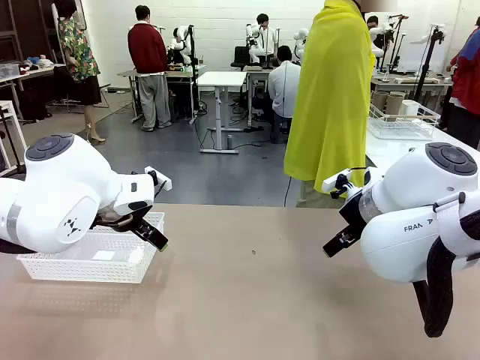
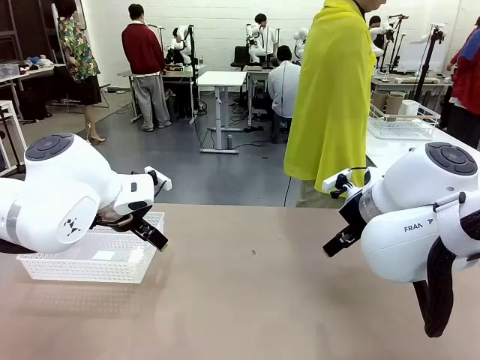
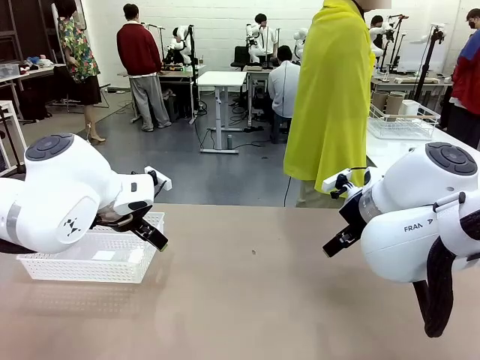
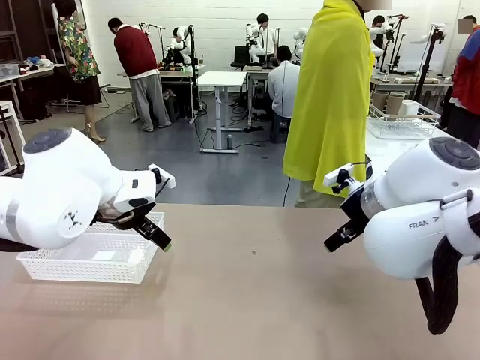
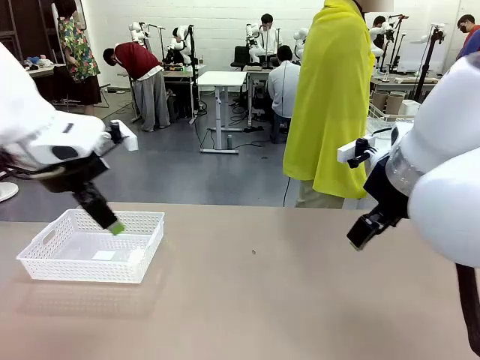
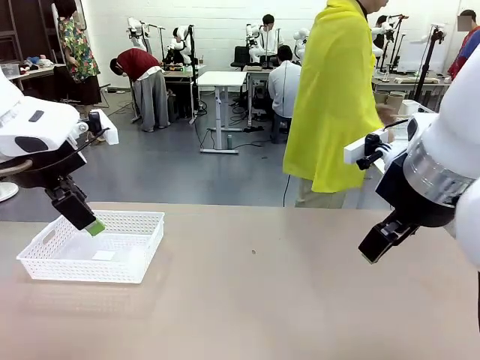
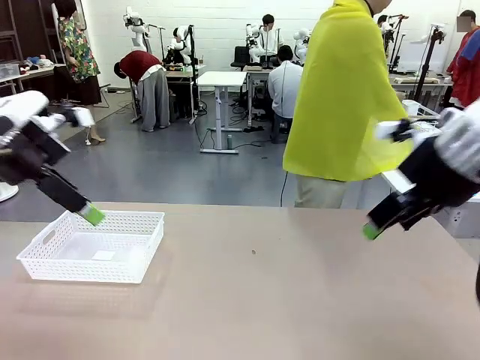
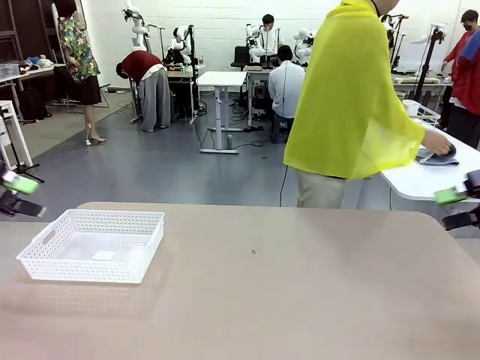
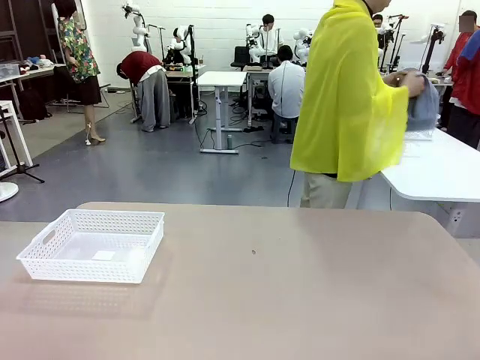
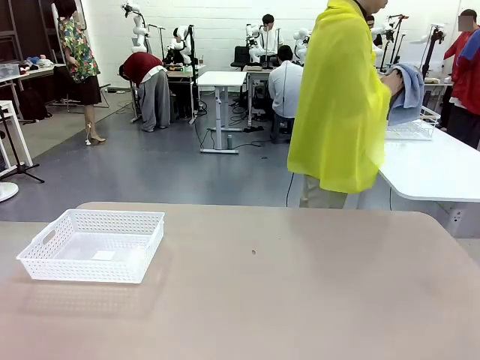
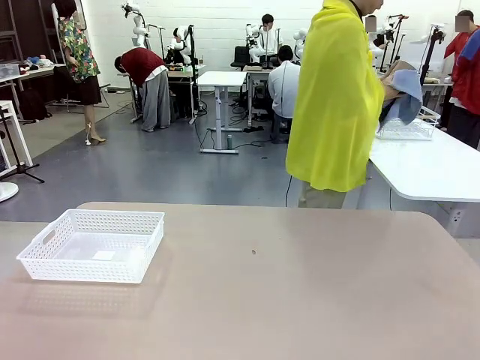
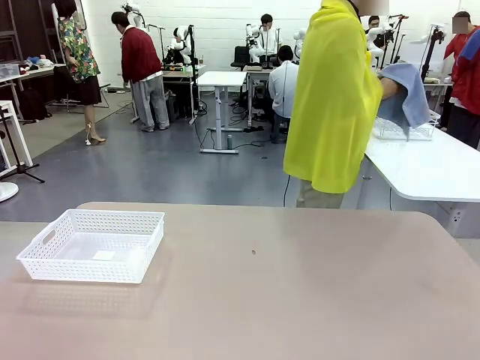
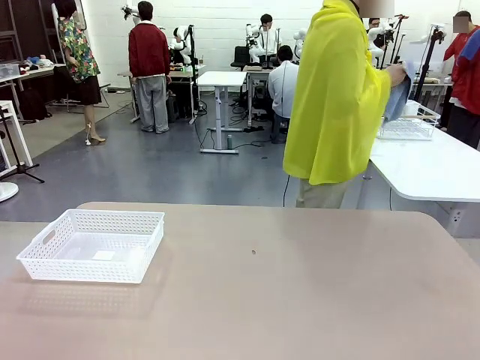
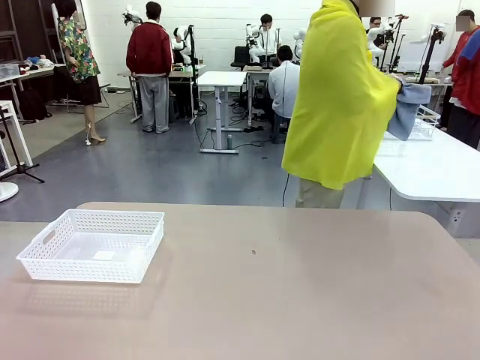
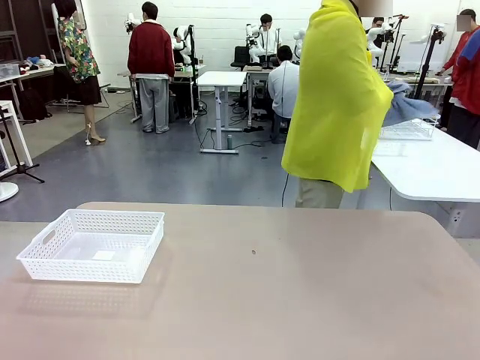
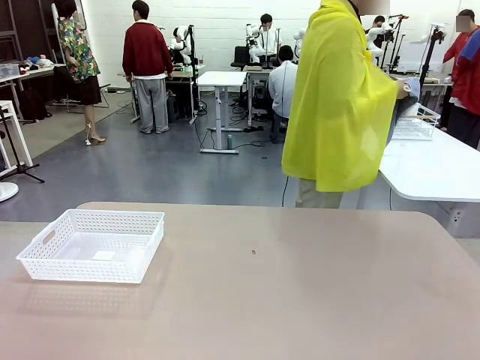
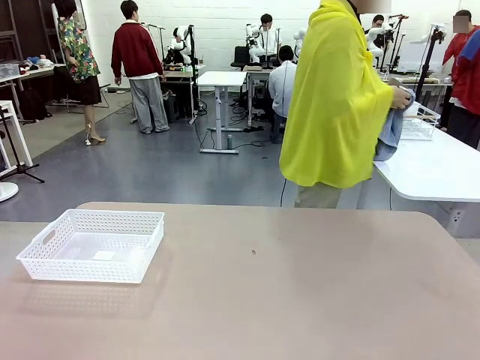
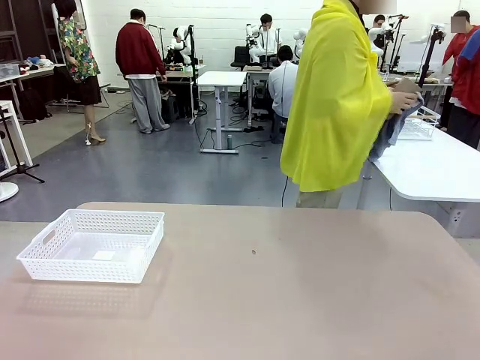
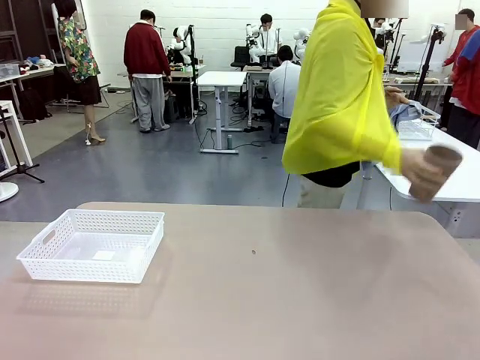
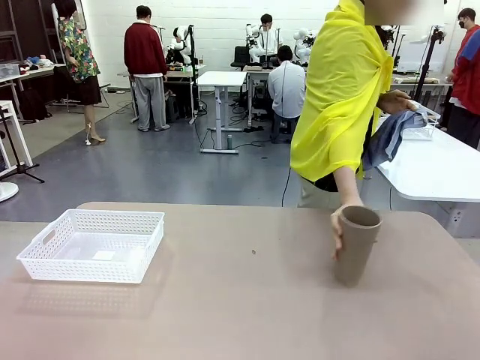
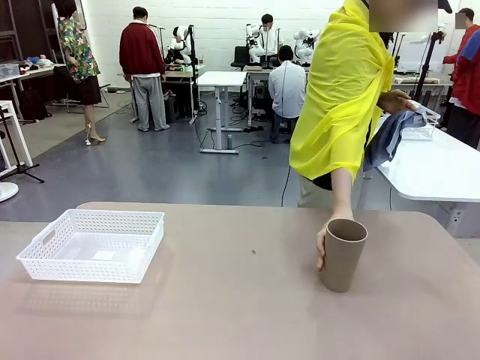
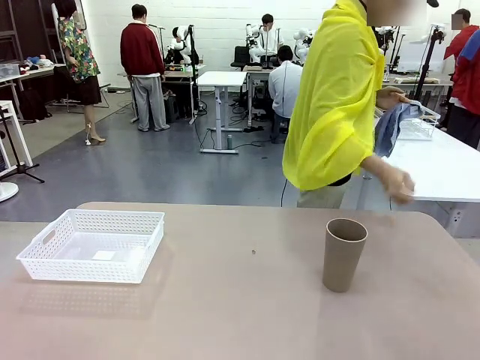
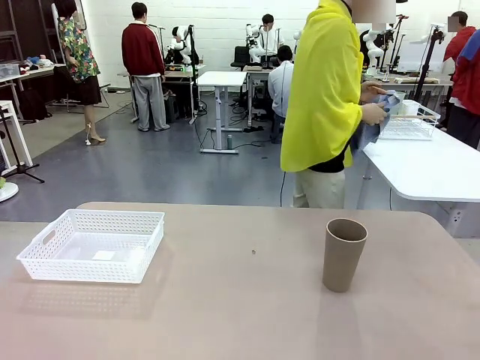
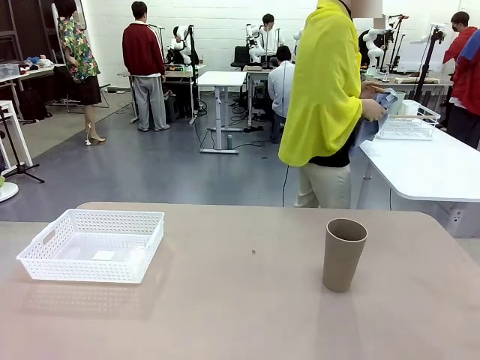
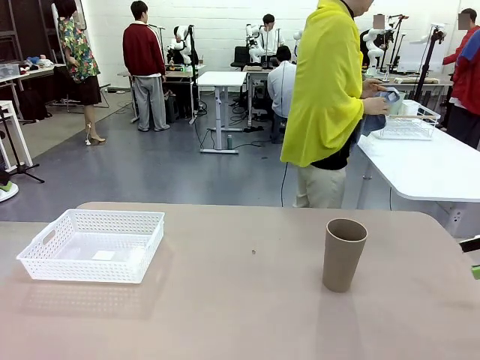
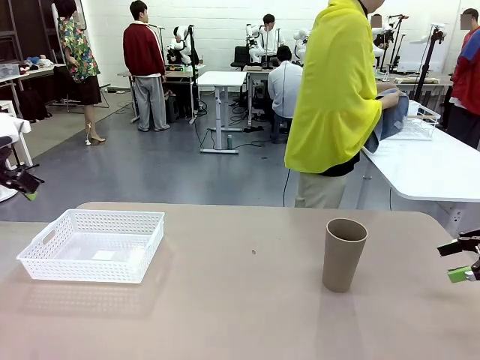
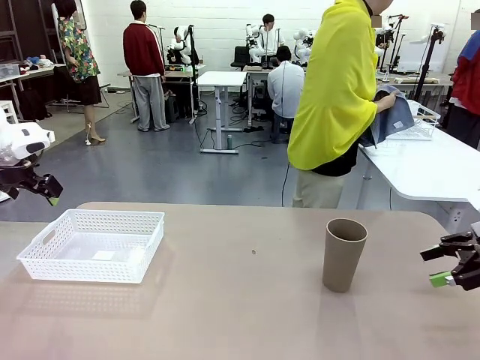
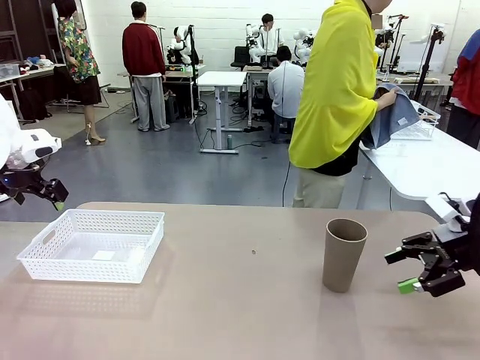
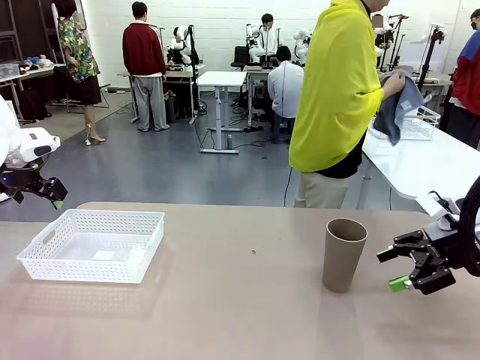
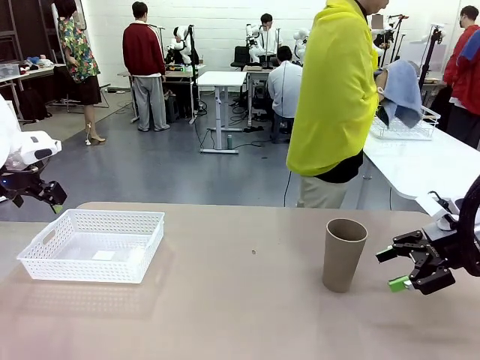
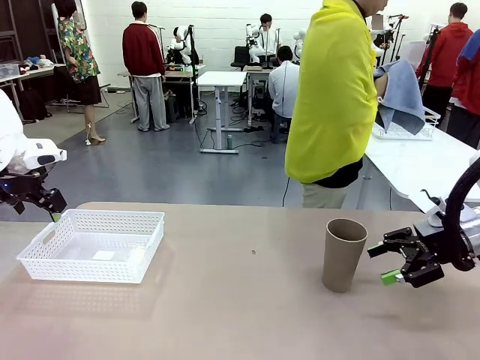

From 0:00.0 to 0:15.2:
Task: Clean and organize the cups into the basket.
Robot: Pick up the Organizing basket and move it to the center of the table, then pick up the Reusable plastic cup from the right side of the table and place it inside the Organizing basket.
Person: Picks up a cup and a towel, cleans the cup with the towel, and places it on the left side of the robot table.

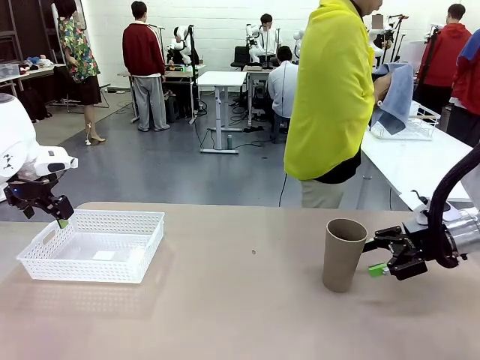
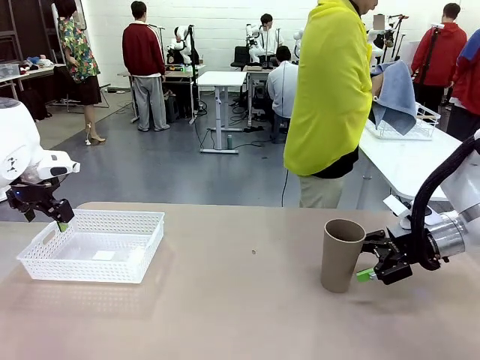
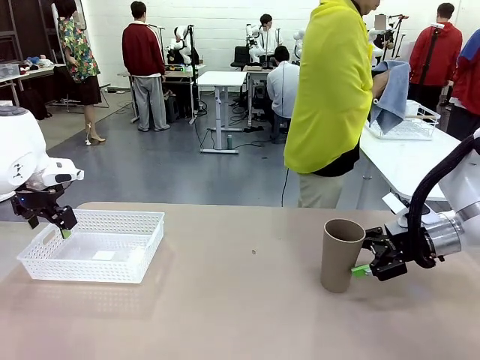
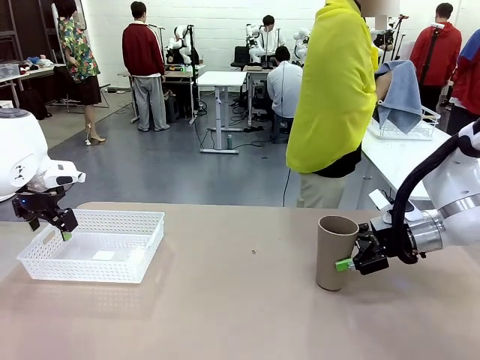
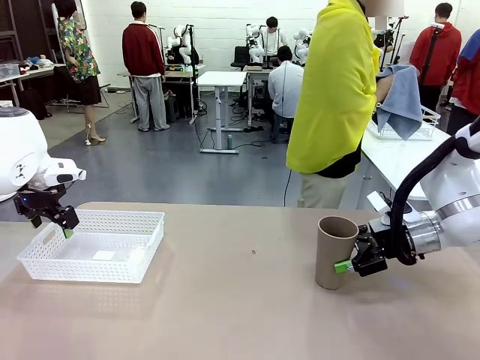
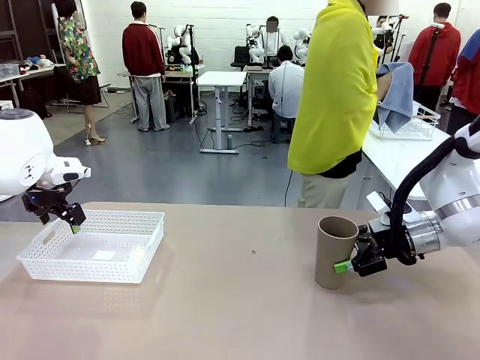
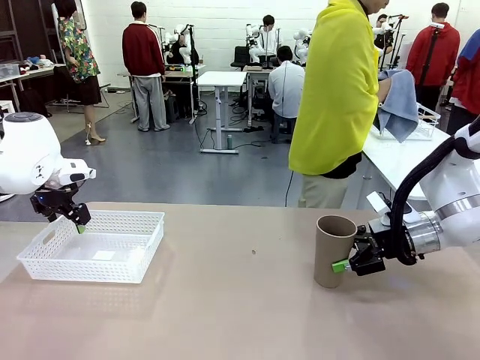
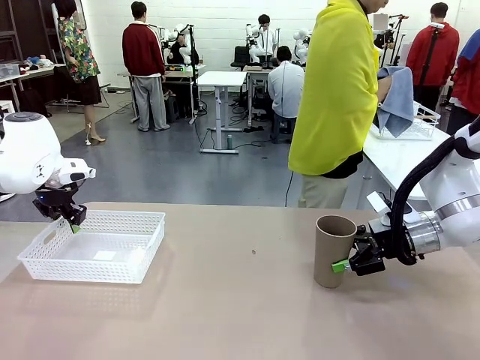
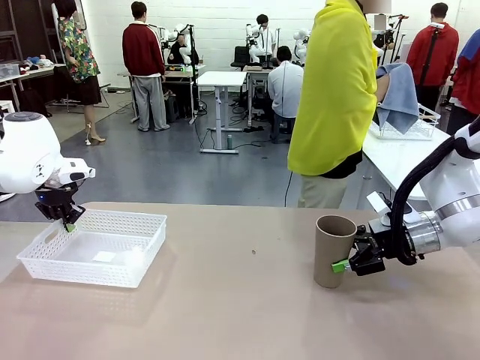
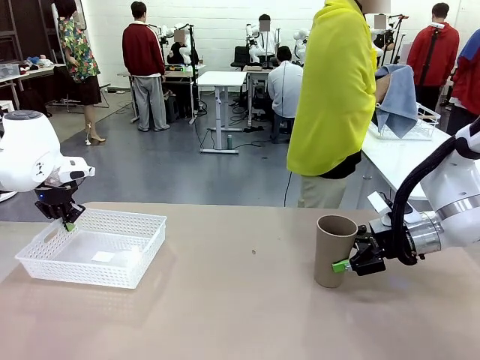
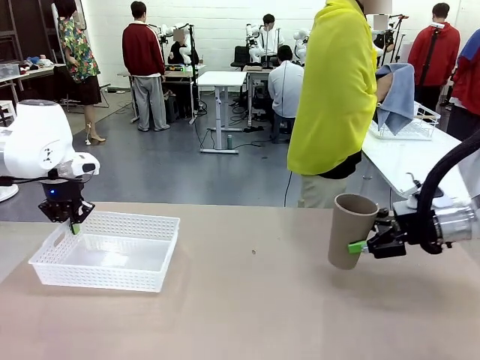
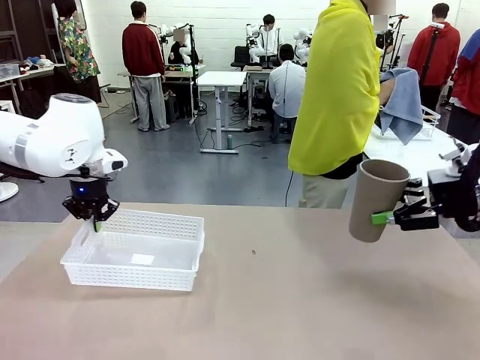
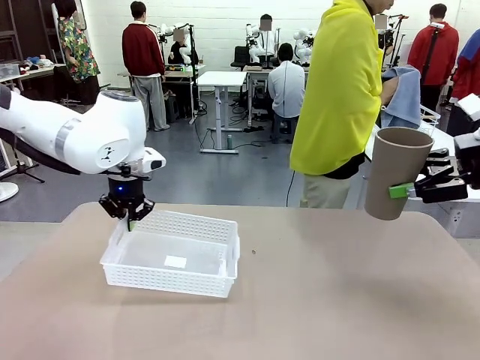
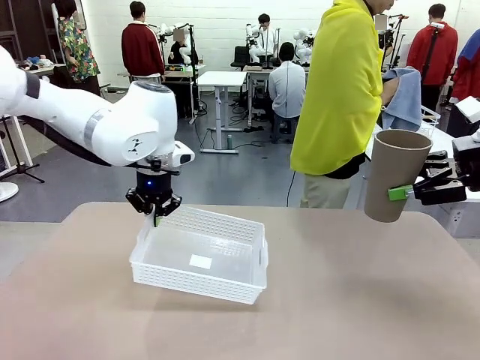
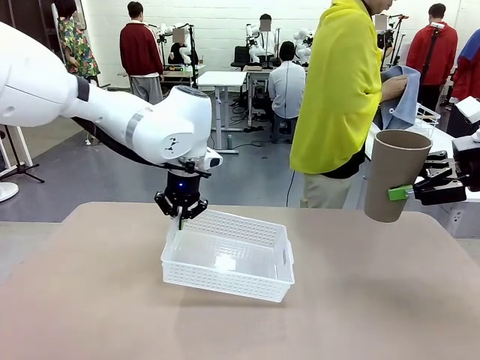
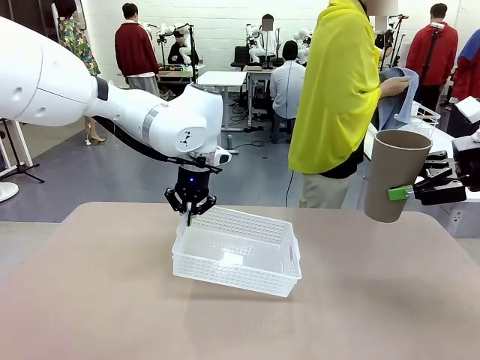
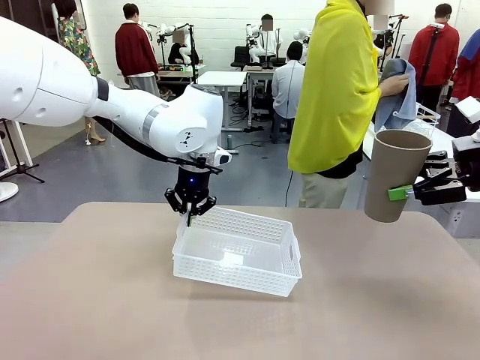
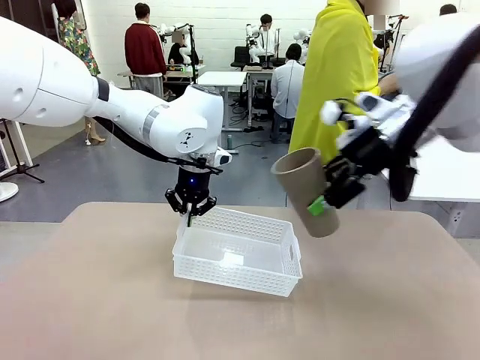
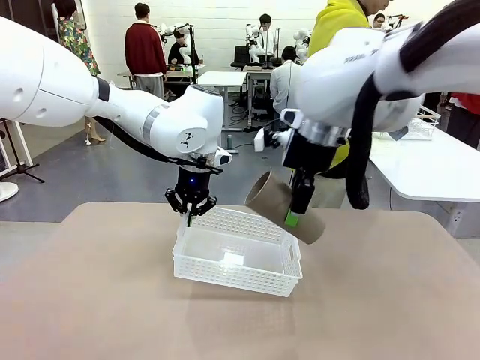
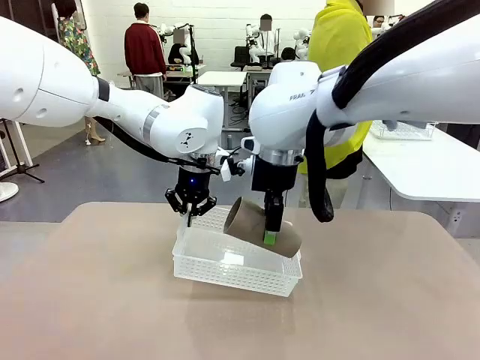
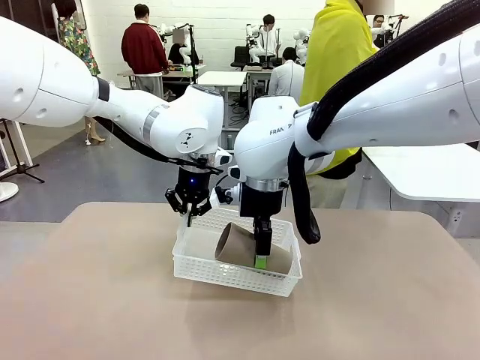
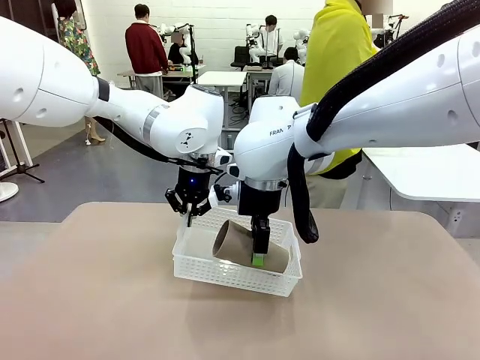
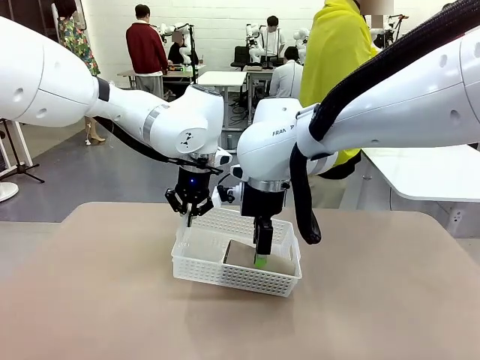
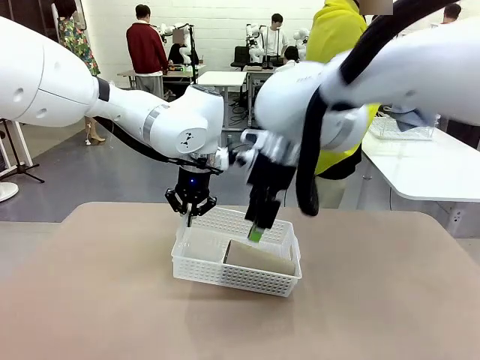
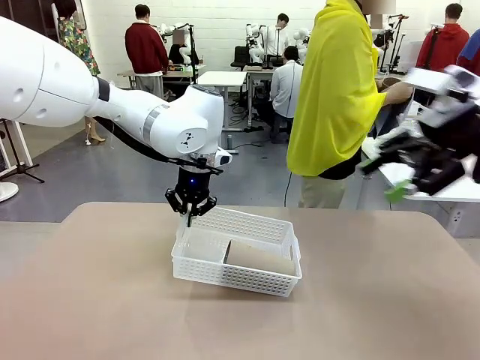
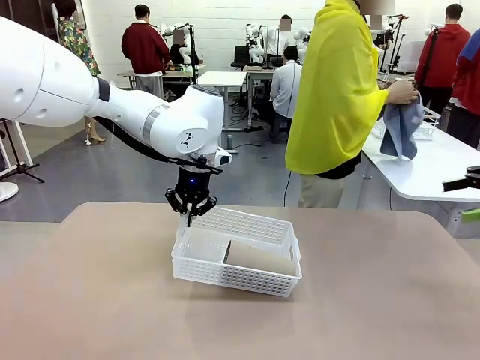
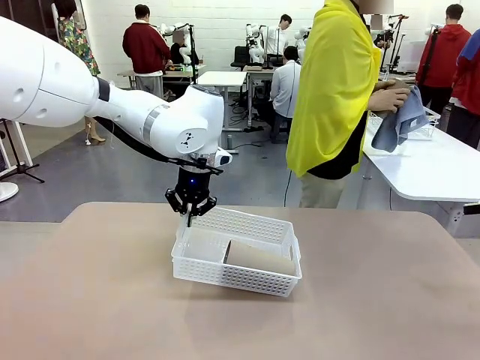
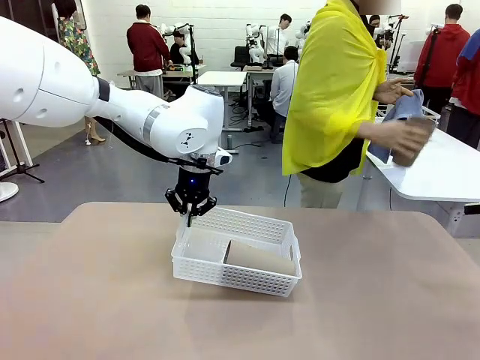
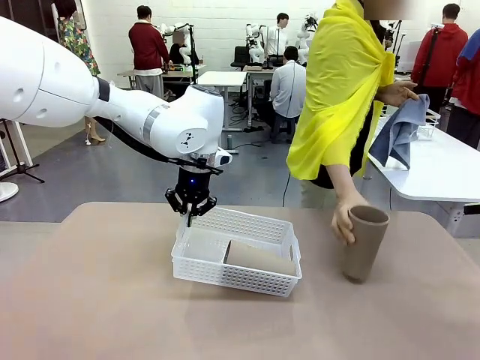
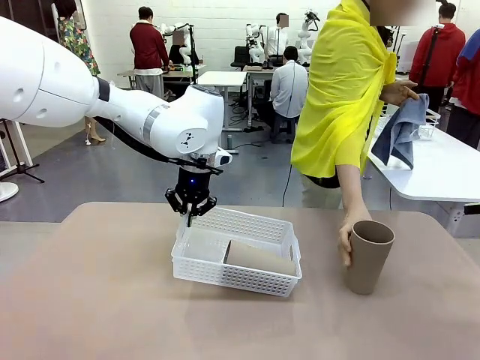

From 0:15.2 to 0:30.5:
Robot: Pick up the Organizing basket and move it to the center of the table, then pick up the Reusable plastic cup from the right side of the table and place it inside the Organizing basket.
